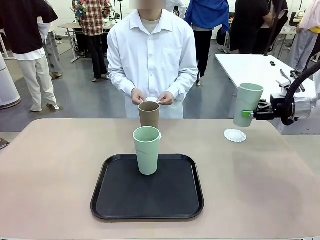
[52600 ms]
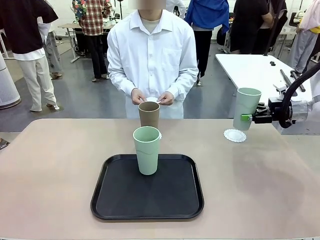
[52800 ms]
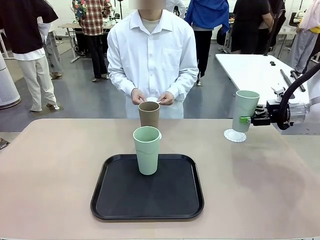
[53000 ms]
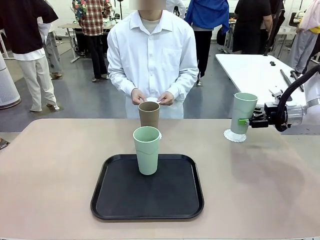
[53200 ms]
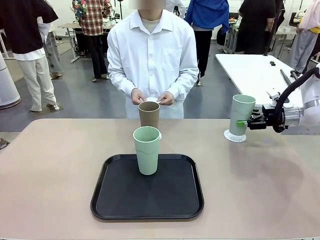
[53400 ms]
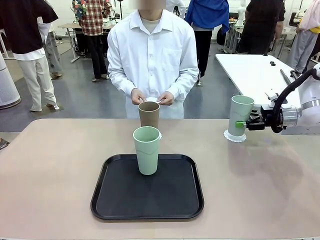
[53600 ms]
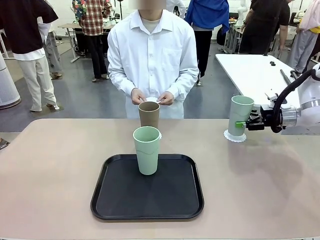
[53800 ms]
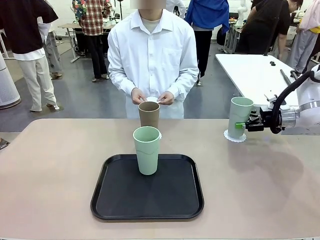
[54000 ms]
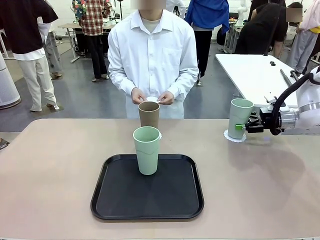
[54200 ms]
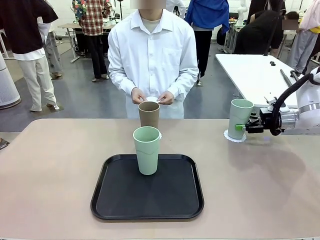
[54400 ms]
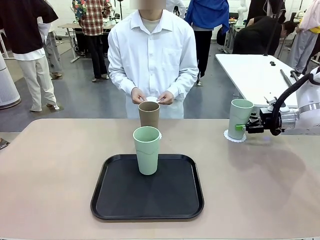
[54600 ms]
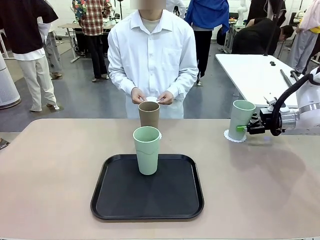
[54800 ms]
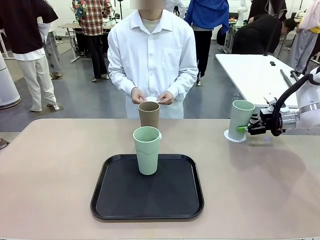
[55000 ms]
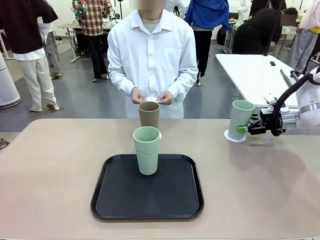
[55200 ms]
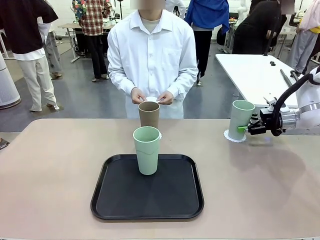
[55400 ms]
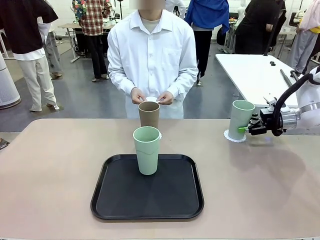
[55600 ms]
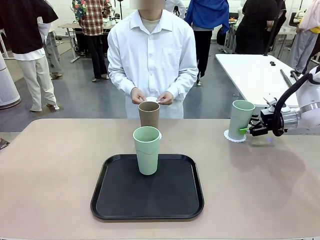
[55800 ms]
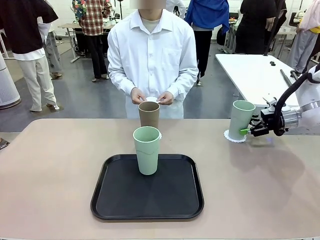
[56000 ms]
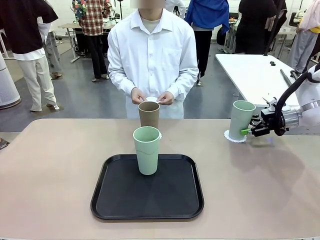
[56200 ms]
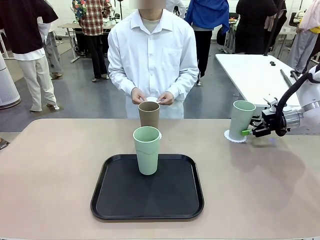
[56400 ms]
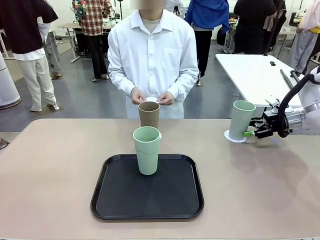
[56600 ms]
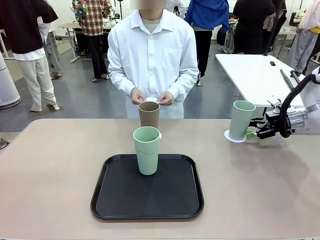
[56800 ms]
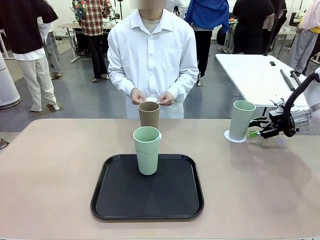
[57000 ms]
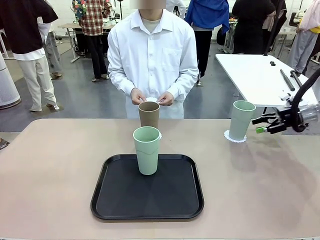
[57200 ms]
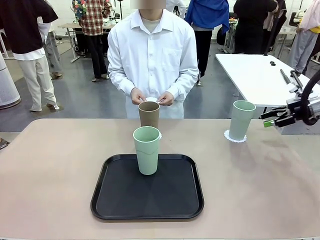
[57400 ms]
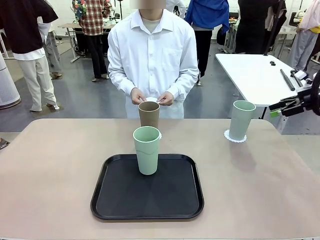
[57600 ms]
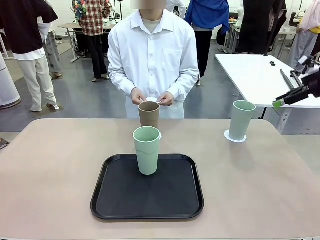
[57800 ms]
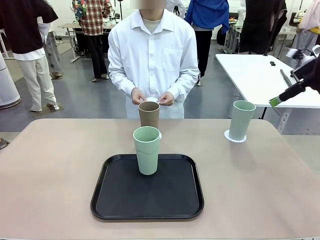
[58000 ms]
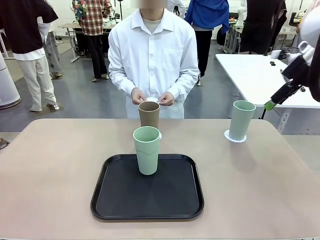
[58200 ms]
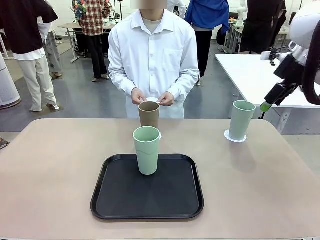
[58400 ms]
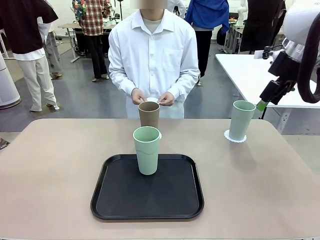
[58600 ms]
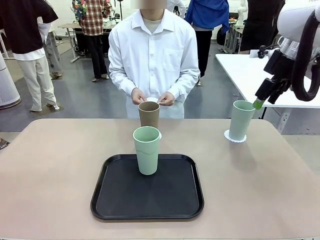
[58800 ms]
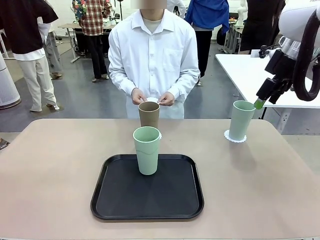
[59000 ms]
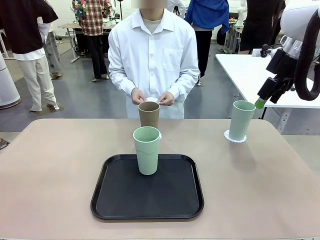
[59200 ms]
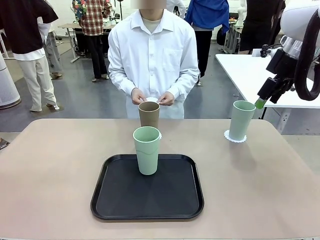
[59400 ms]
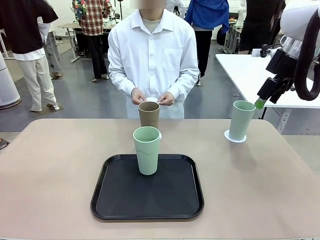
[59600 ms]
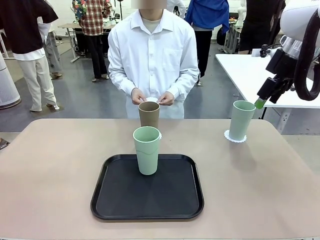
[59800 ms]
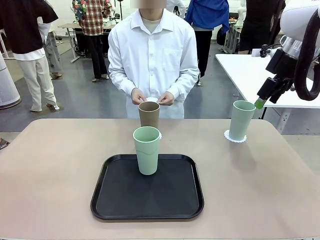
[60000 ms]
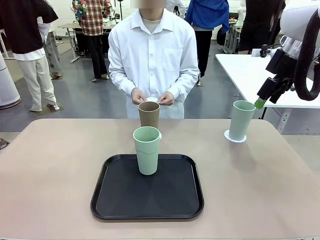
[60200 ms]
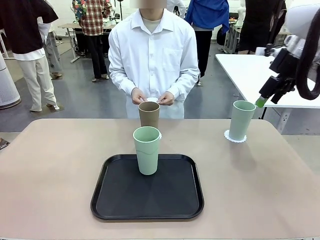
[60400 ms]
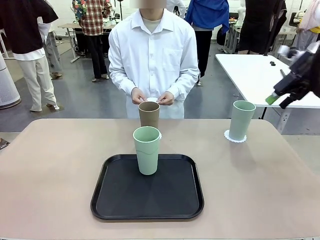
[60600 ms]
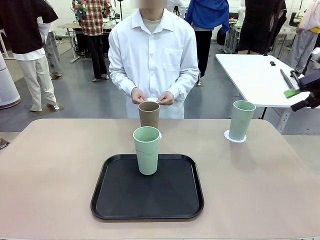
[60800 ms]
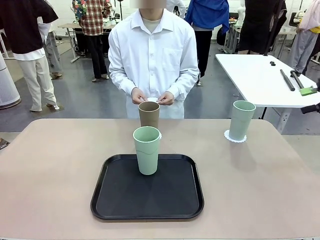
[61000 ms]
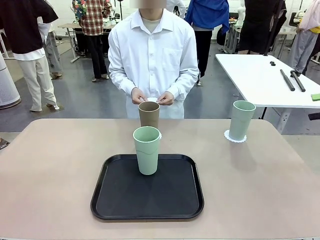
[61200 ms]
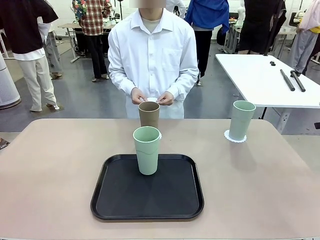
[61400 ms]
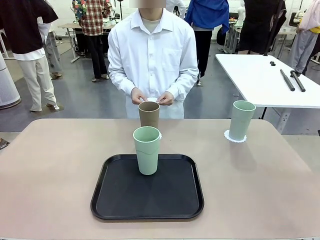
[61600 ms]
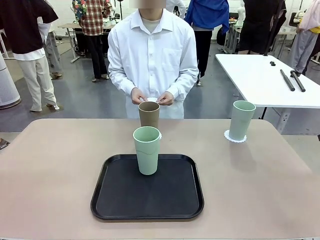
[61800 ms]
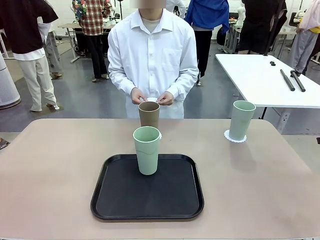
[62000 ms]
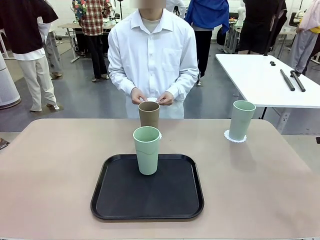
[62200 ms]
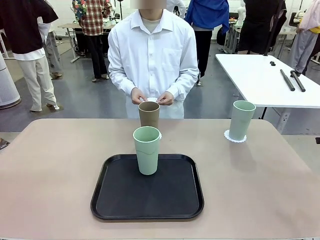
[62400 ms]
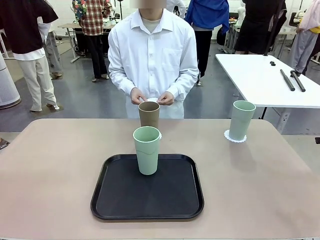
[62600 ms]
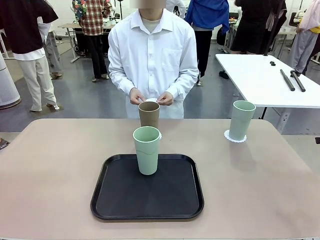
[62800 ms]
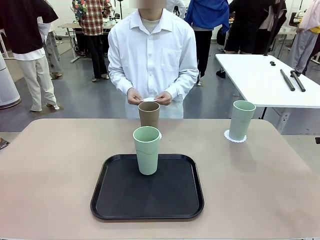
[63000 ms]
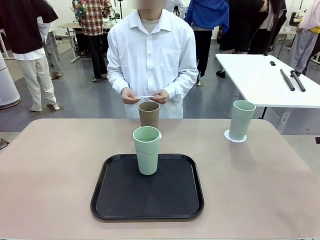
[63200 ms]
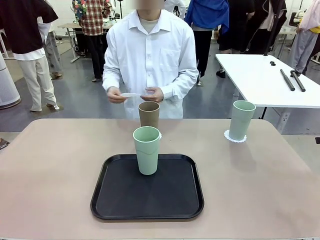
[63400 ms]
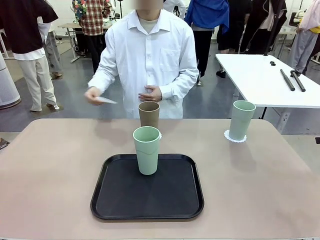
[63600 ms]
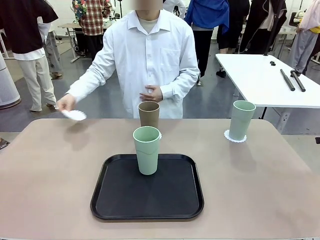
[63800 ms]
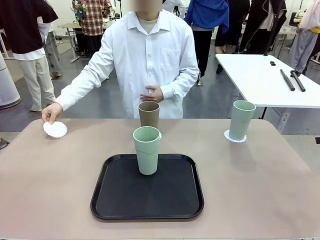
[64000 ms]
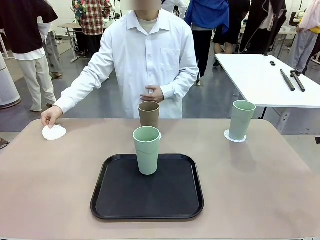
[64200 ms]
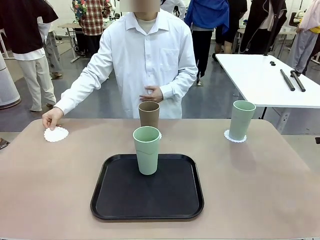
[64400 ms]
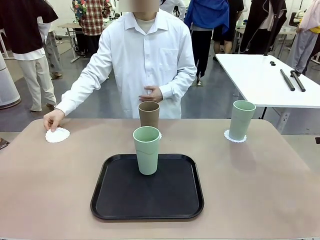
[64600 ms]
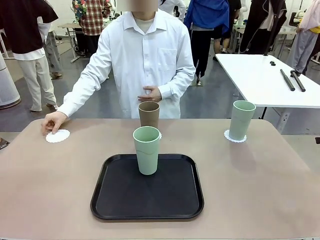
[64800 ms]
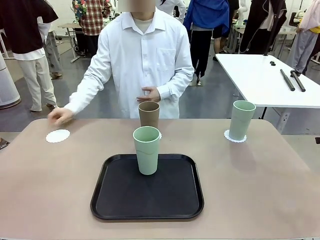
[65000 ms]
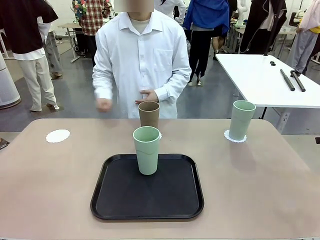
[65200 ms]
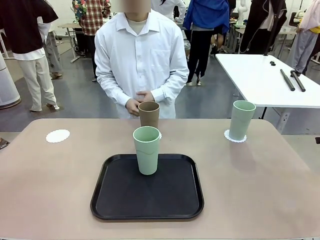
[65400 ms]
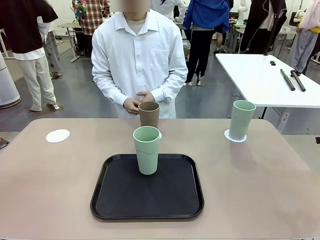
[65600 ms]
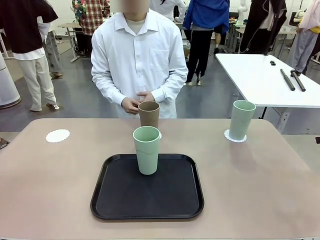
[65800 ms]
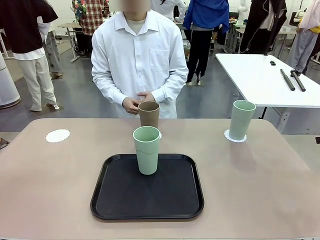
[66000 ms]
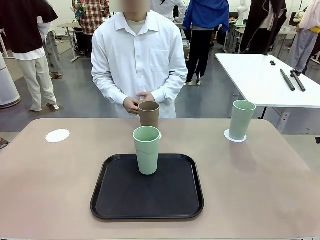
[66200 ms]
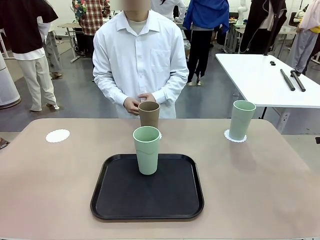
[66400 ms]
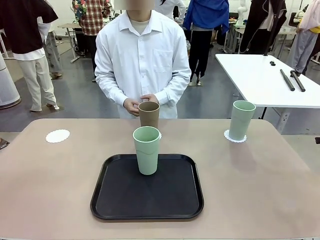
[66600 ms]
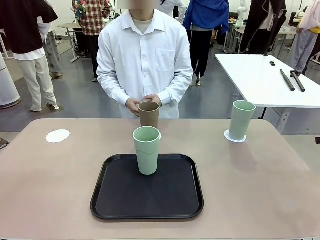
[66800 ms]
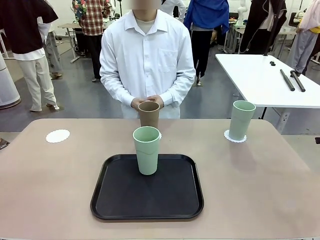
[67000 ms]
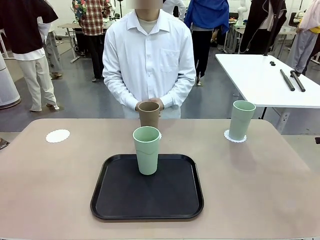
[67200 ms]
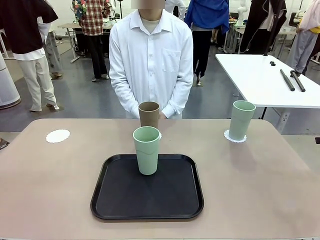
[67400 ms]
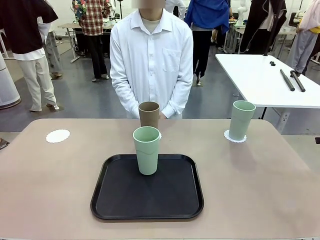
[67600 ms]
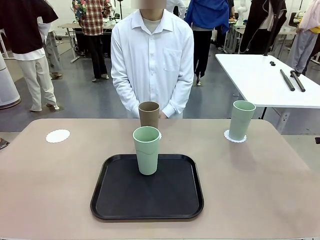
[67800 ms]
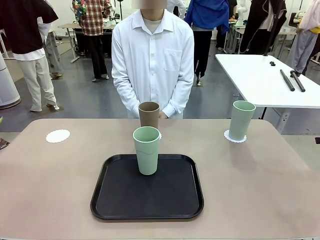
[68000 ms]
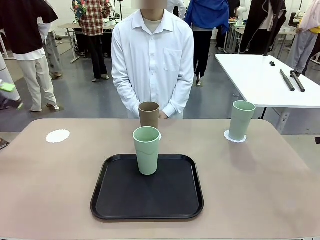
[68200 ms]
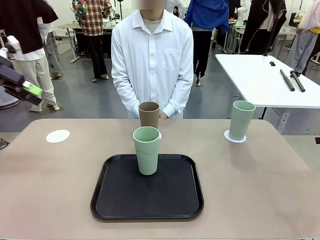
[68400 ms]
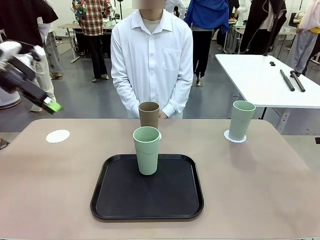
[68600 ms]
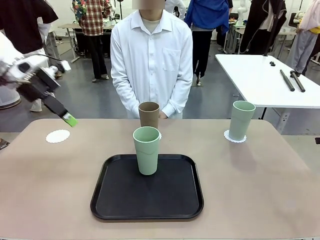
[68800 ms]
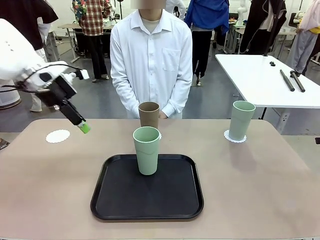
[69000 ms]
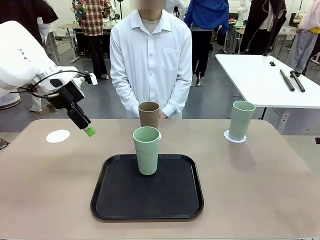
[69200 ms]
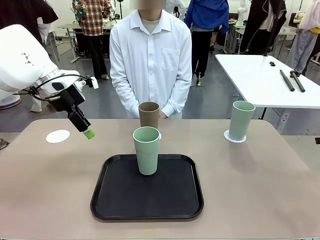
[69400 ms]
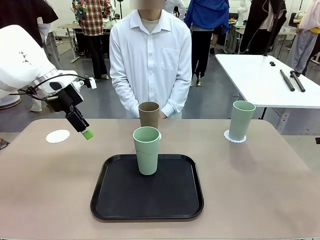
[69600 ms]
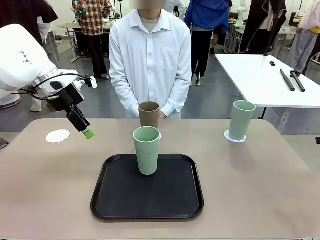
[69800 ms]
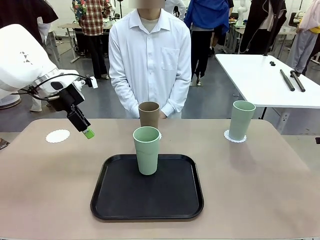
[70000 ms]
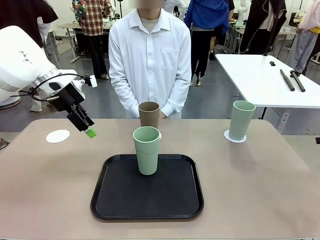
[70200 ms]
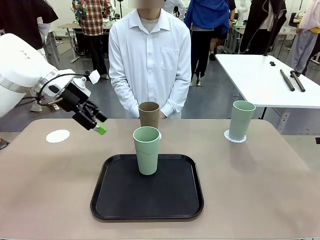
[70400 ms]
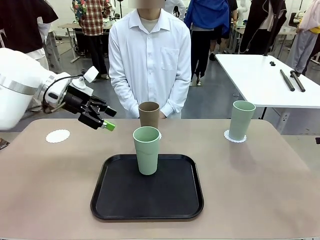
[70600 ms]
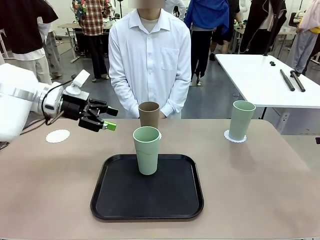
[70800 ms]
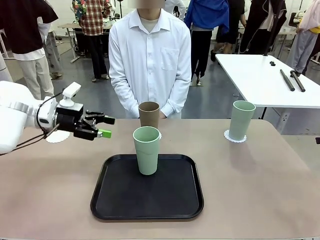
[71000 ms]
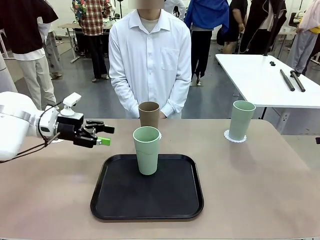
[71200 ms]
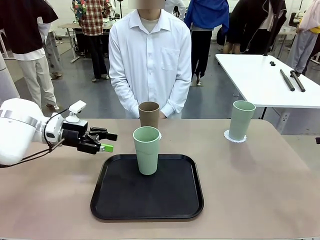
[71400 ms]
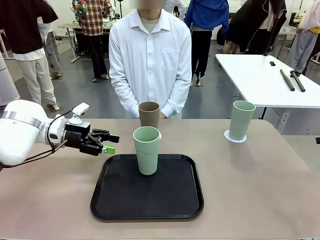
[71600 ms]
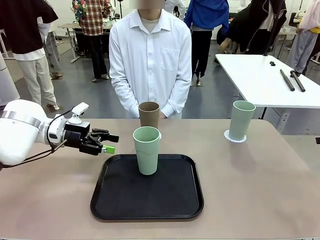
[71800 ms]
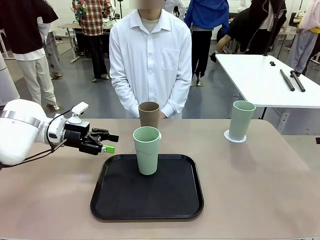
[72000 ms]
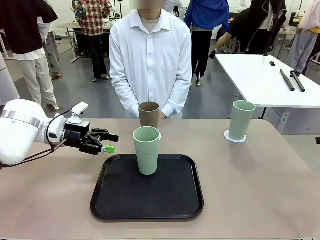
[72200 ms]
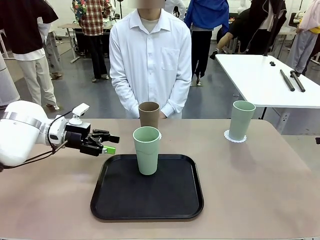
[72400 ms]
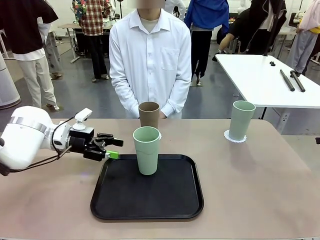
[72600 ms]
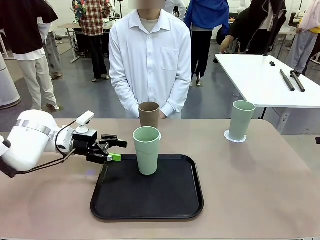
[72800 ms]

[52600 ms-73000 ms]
Task: Place coasters on the table and set cups on them.
Robot: Take one Reusable plastic cup from the Flat Tray and place it on a coaster set by the human.
